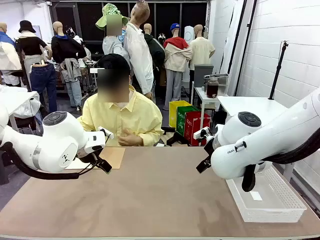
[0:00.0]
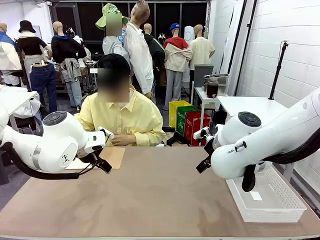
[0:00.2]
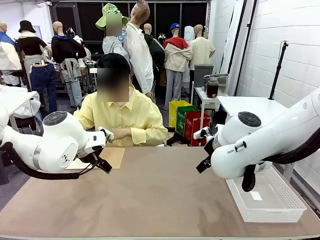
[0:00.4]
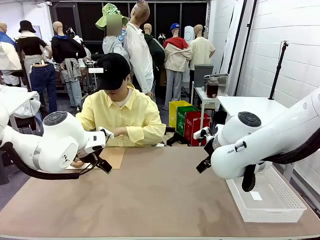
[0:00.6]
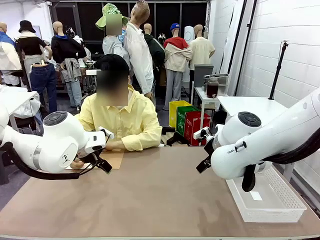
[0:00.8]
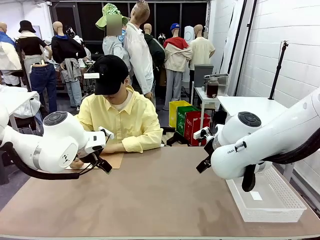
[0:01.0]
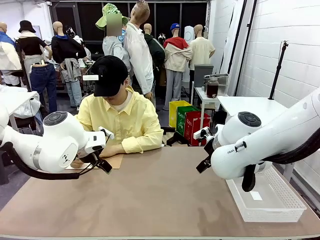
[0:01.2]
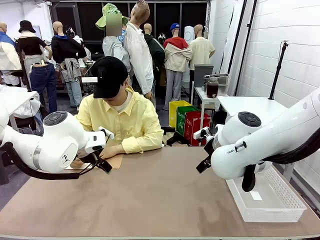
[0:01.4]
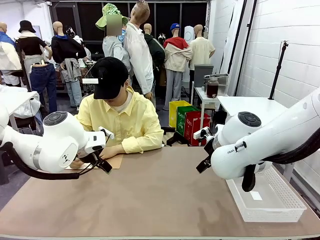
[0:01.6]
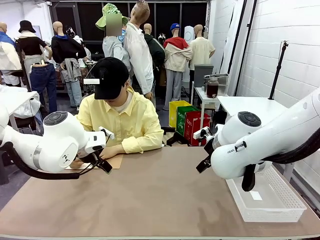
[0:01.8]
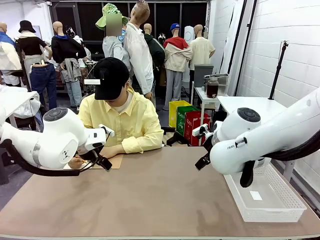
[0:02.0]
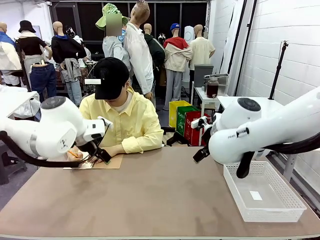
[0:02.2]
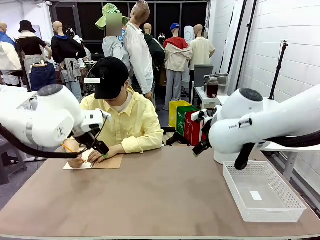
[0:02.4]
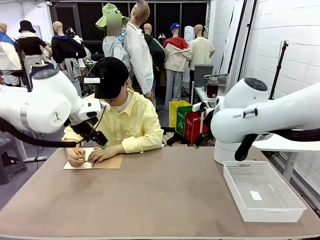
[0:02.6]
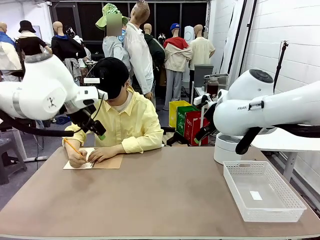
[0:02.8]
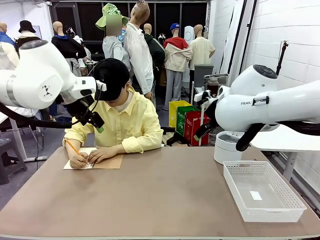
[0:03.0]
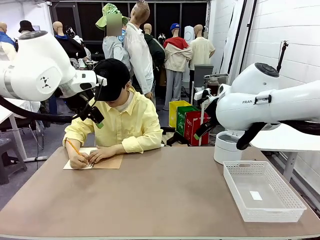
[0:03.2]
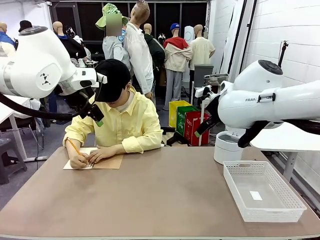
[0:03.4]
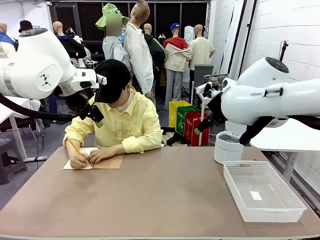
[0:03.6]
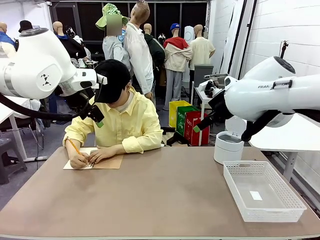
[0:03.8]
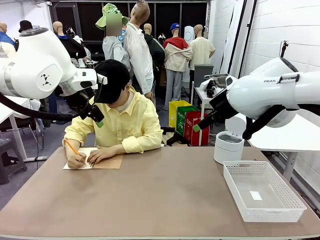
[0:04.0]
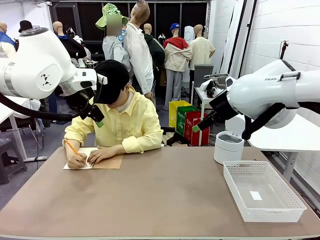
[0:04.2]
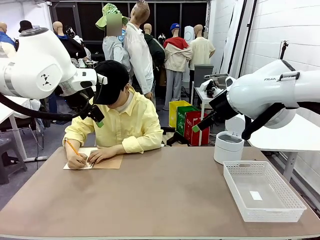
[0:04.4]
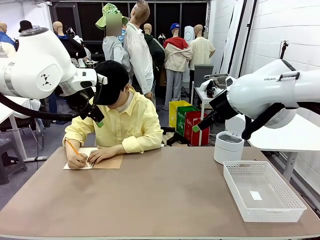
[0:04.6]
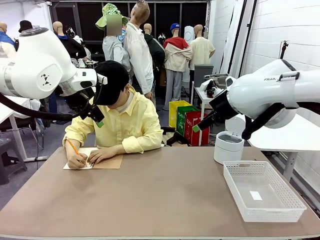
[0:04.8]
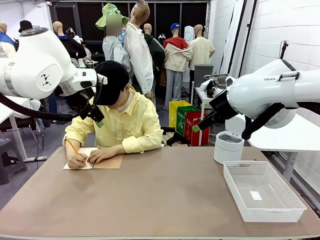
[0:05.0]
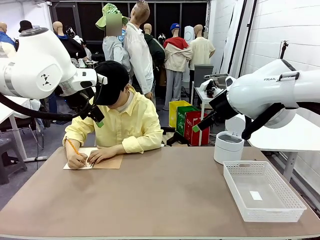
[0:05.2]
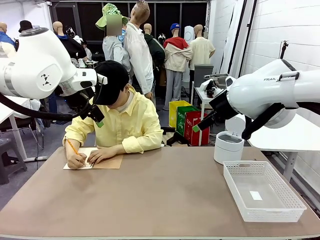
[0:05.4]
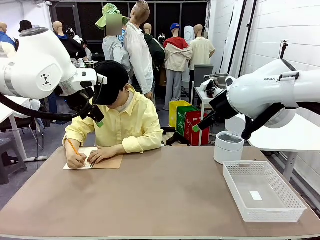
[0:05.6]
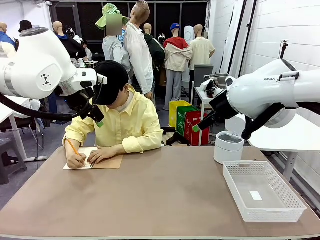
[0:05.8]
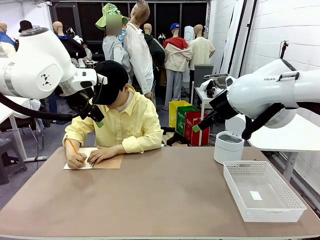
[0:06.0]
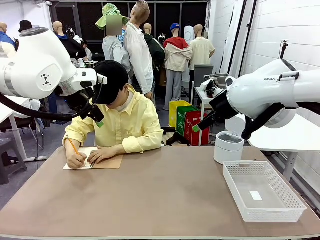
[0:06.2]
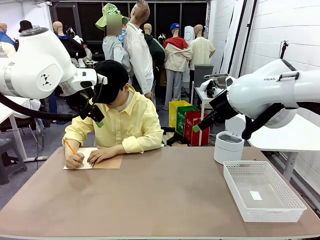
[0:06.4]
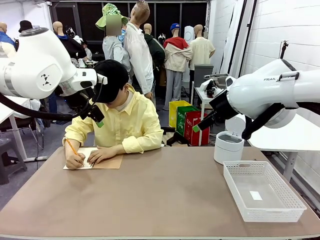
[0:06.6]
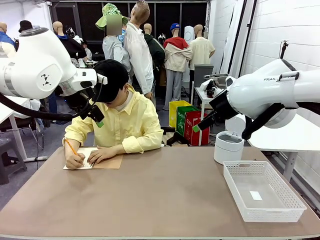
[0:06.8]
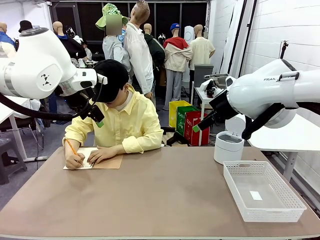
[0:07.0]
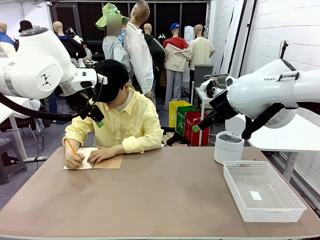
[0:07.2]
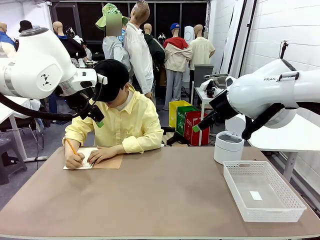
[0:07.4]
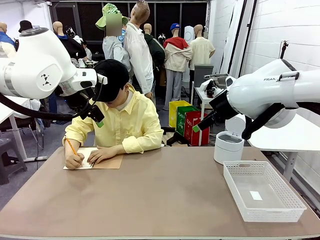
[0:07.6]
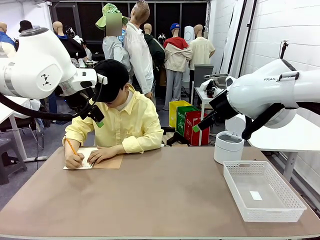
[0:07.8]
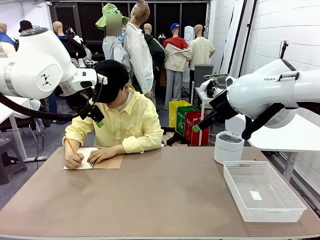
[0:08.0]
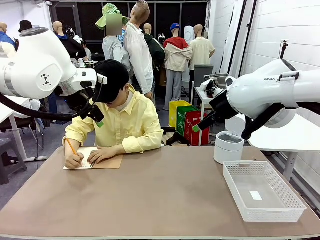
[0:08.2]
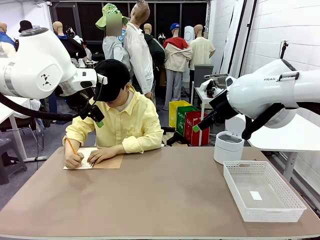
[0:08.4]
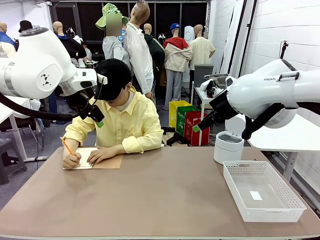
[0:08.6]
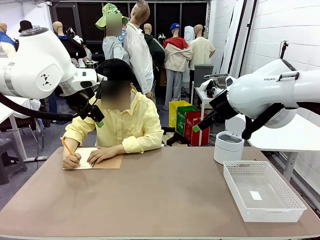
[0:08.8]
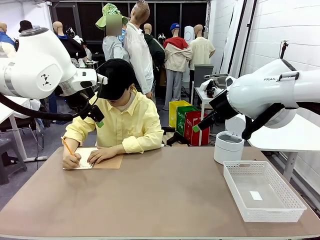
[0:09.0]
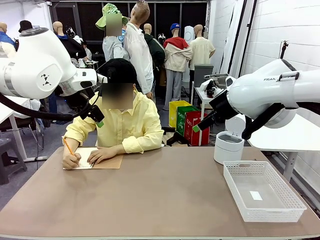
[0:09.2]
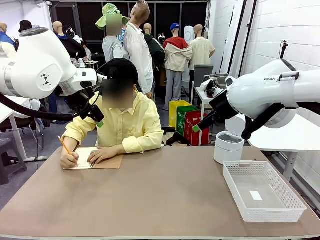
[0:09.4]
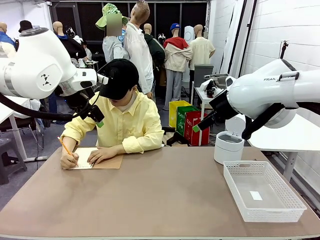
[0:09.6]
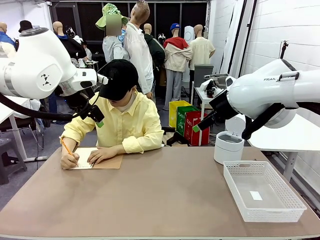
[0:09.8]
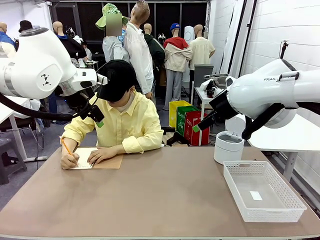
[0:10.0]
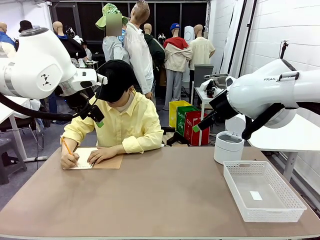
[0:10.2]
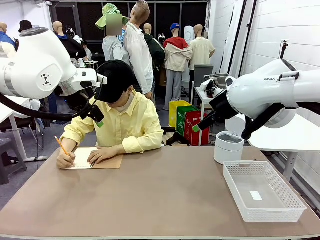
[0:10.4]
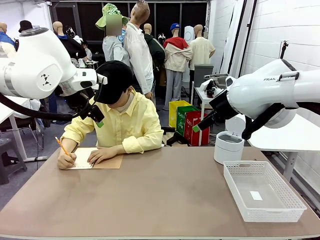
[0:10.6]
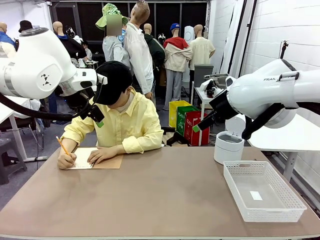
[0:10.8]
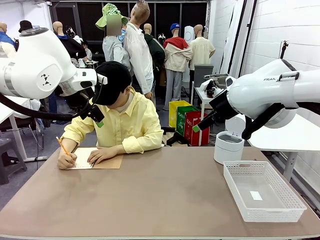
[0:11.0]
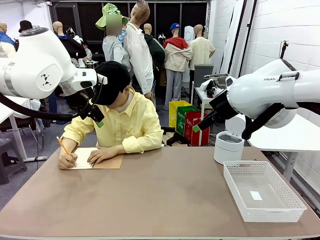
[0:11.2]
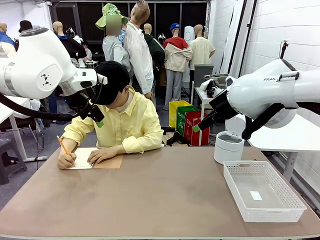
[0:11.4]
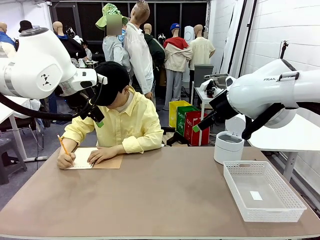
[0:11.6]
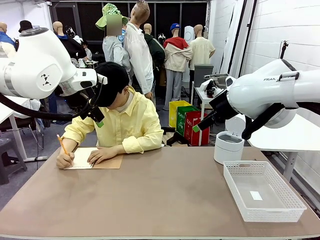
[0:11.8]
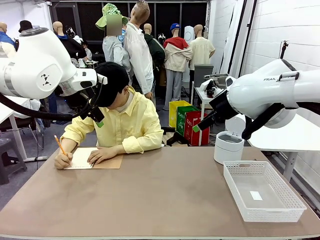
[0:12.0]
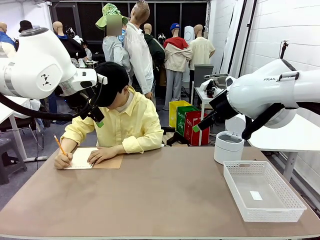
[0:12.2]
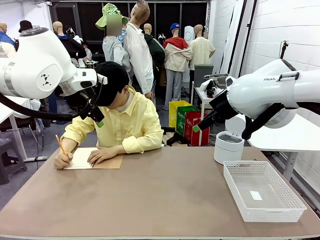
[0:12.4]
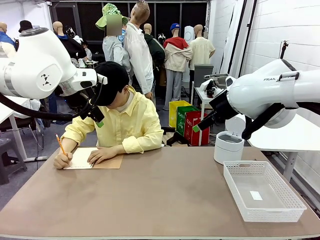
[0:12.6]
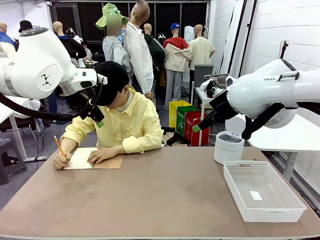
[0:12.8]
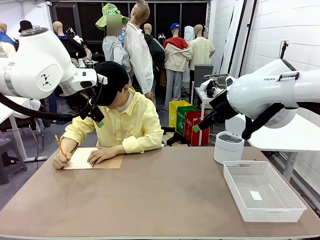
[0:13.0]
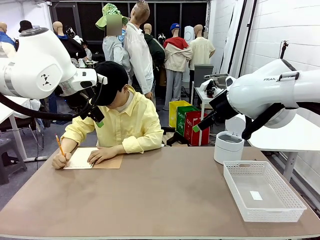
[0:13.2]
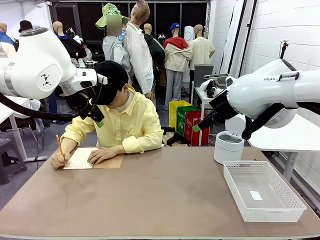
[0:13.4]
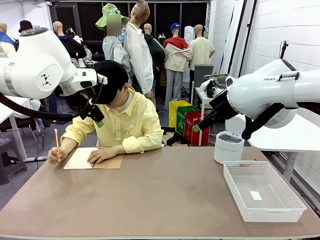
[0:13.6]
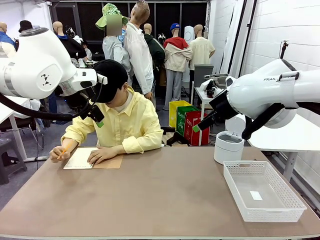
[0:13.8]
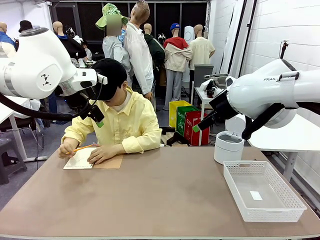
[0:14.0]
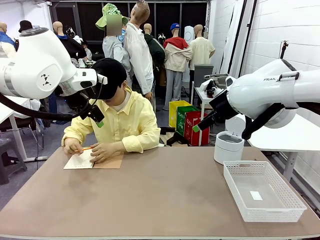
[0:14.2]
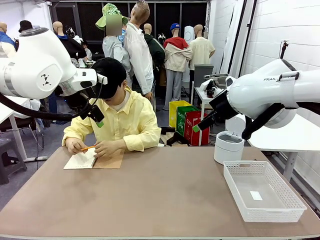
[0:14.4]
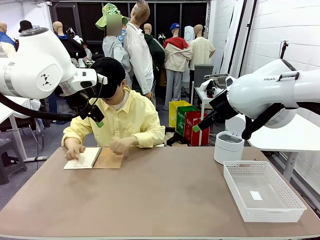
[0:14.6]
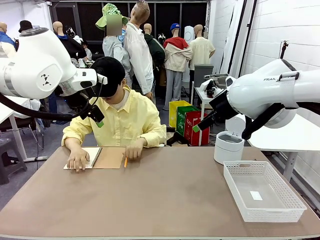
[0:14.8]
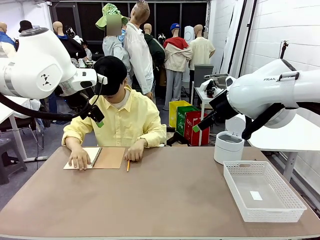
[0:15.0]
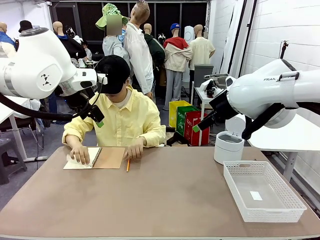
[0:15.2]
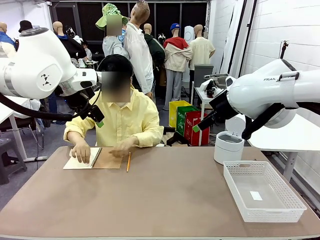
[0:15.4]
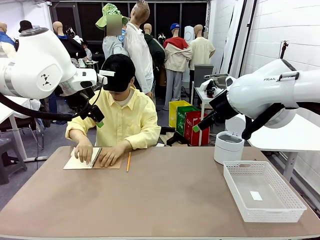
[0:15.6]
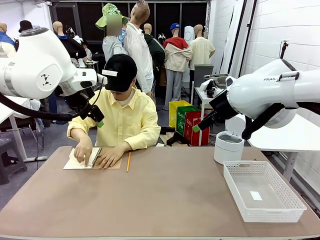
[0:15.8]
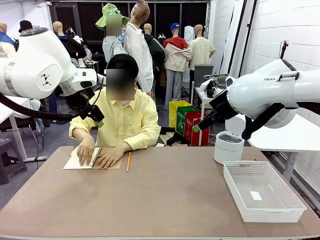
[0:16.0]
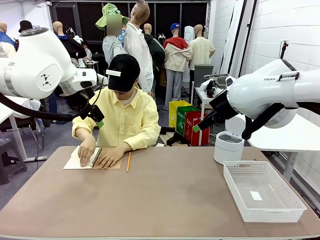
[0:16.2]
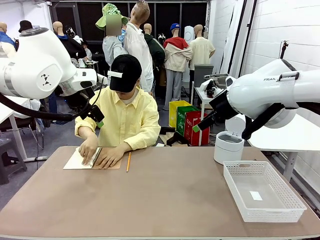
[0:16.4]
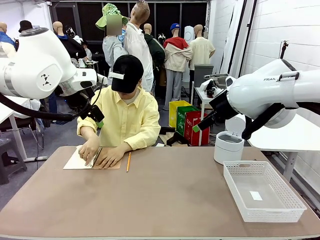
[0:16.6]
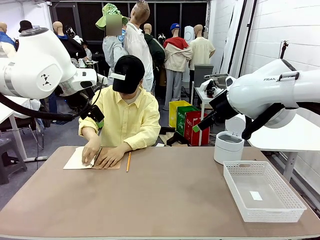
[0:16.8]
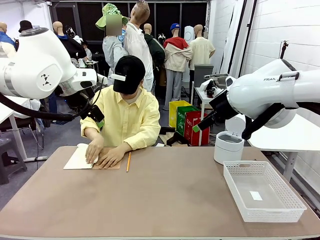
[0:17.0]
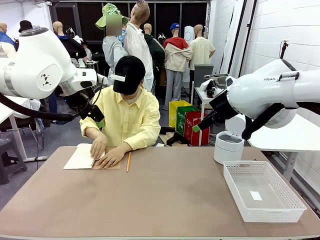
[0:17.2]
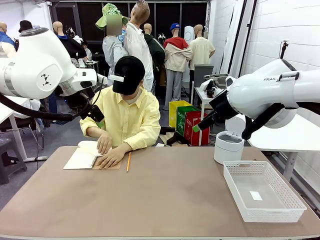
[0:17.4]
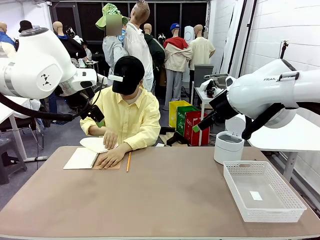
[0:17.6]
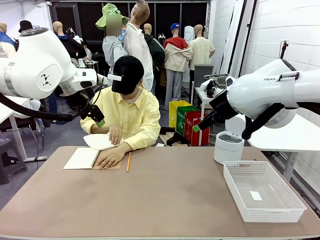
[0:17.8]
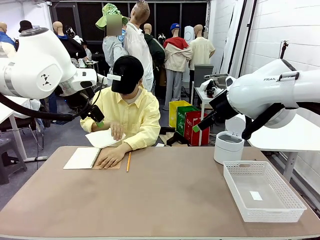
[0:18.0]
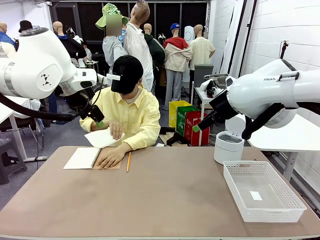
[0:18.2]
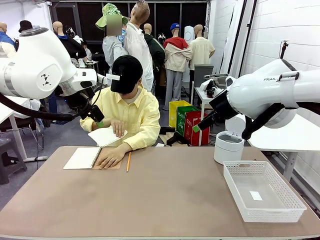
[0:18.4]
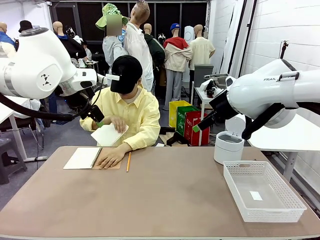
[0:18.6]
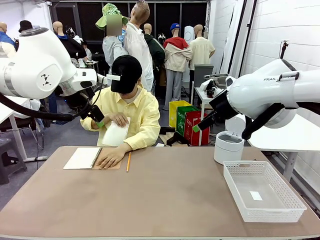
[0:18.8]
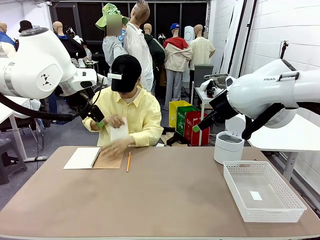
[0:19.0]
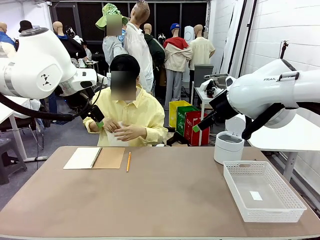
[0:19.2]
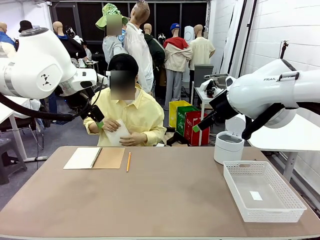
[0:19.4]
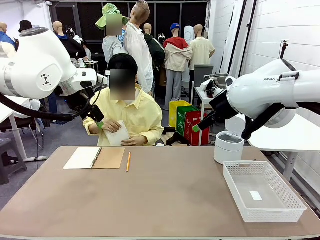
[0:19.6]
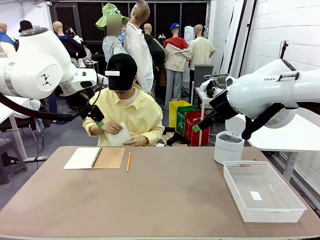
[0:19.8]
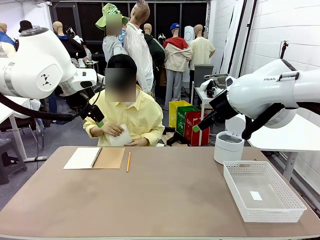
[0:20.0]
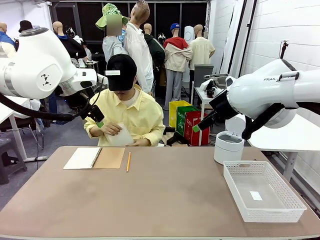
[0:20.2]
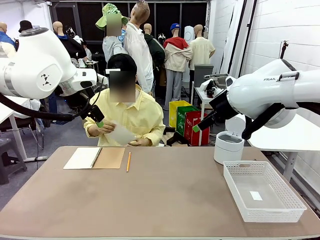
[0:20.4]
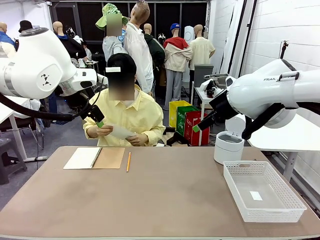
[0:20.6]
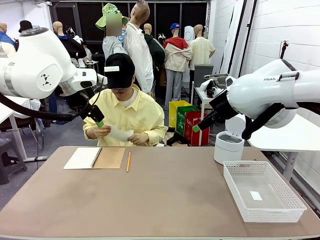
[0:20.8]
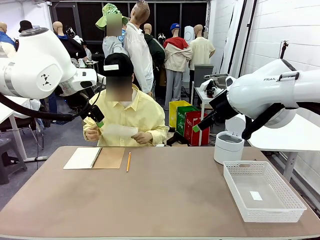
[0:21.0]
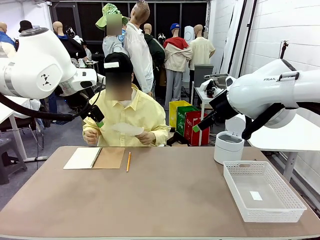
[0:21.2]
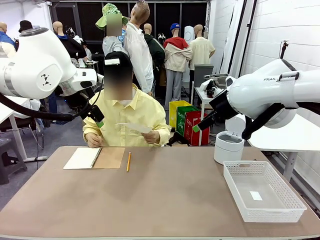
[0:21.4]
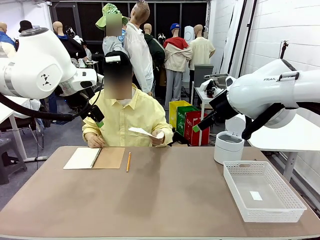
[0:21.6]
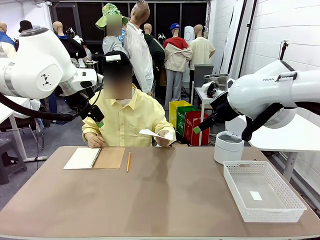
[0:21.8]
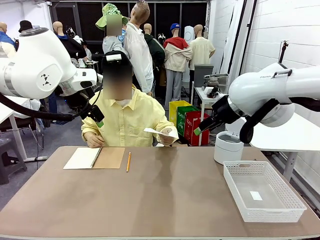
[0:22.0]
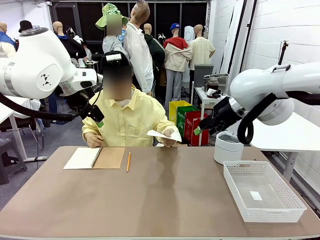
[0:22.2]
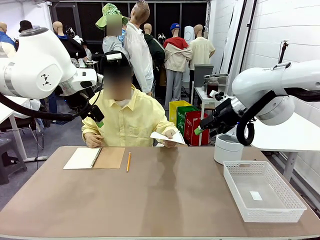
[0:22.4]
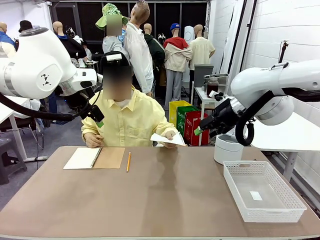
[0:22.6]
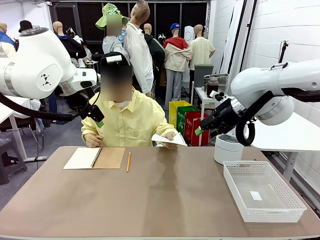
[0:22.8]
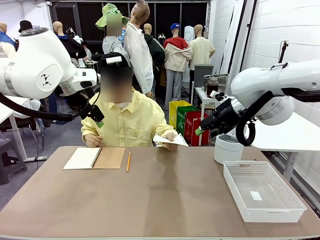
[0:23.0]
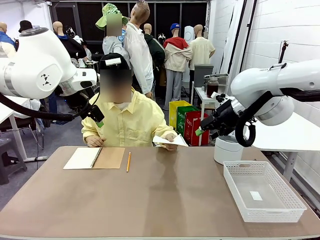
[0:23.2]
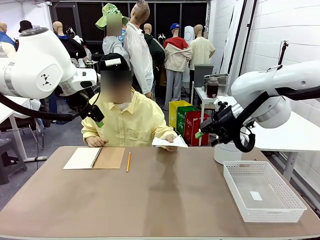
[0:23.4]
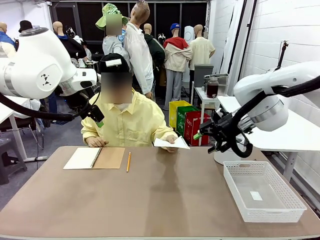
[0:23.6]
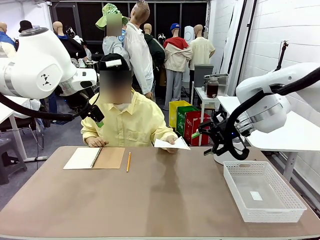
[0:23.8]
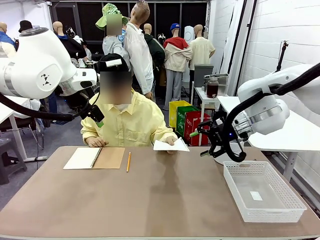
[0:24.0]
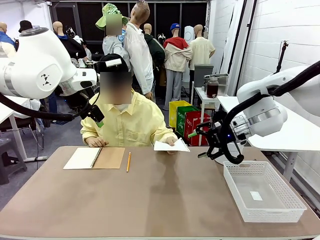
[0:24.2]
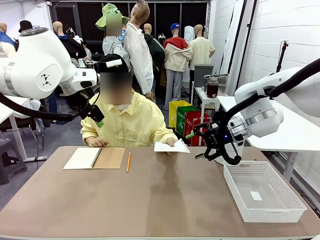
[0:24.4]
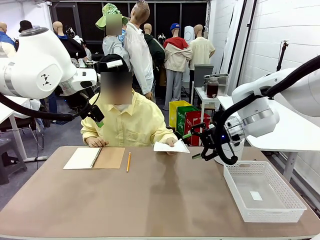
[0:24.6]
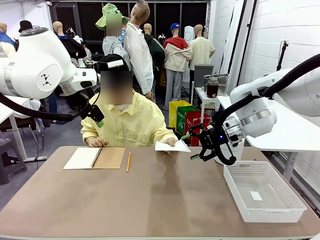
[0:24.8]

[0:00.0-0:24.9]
Task: Sort the paper based on its condition.
Robot: If a person hands you a paper, place it in the Organizing basket , and if it's crumpled, put it in the Trash can.
Person: Tear out a page from the spiral notebook. Hand the torn page to the robot or crumple it and throw it to the center of the table.
